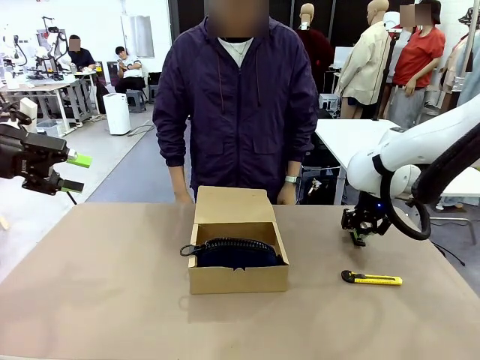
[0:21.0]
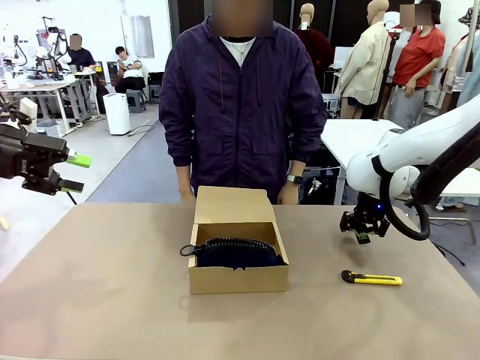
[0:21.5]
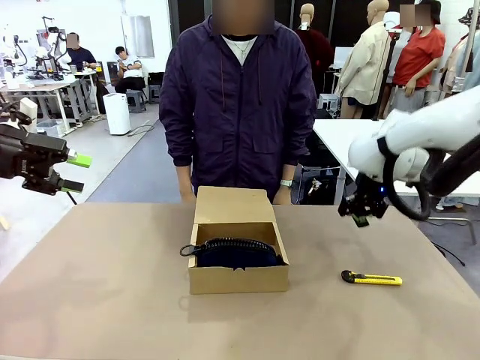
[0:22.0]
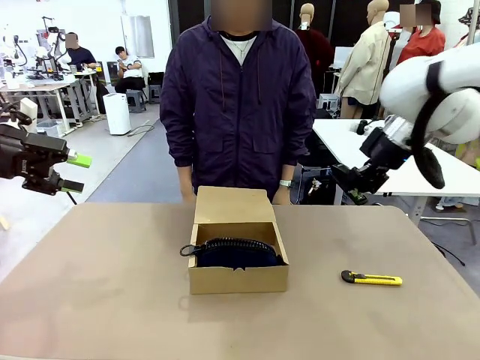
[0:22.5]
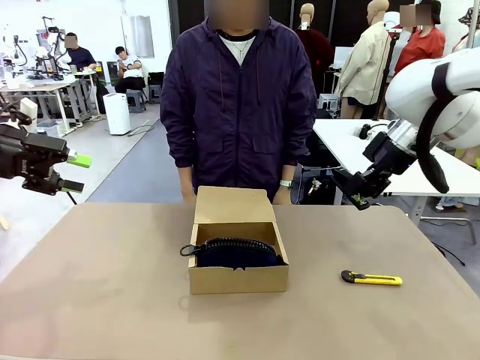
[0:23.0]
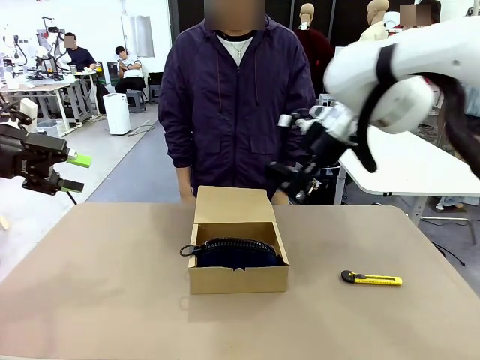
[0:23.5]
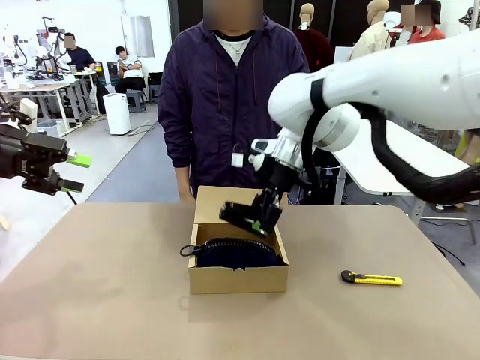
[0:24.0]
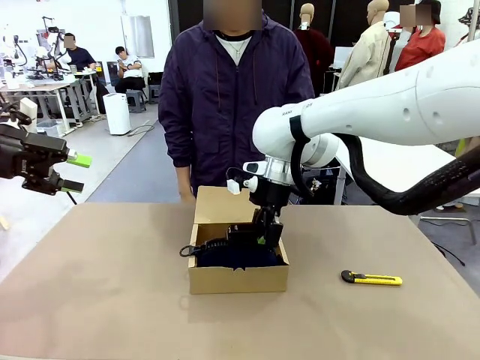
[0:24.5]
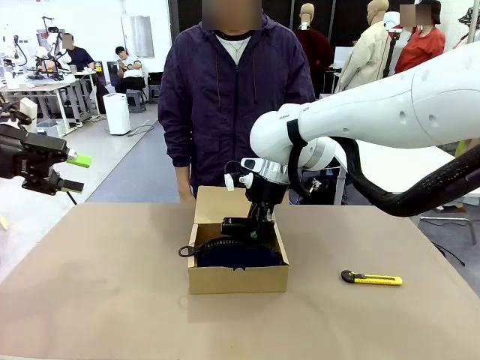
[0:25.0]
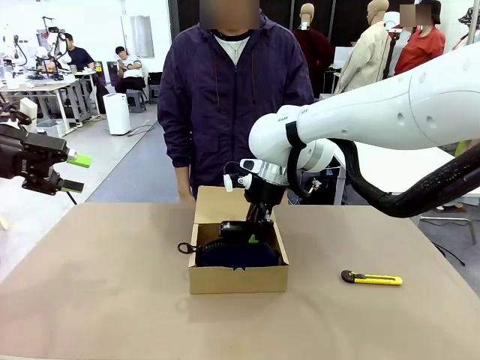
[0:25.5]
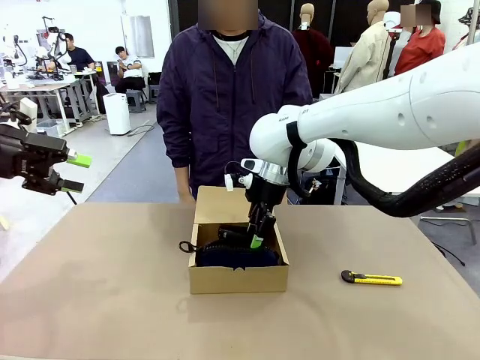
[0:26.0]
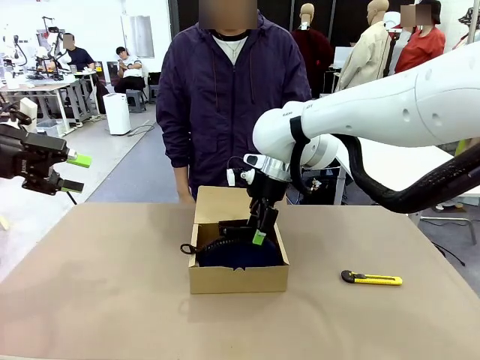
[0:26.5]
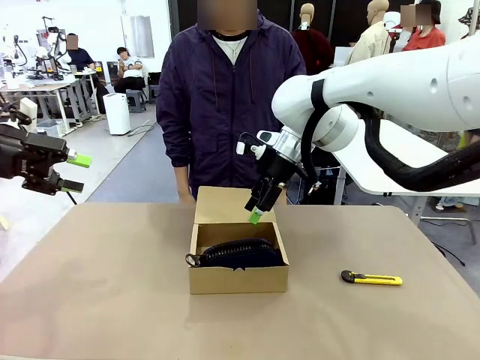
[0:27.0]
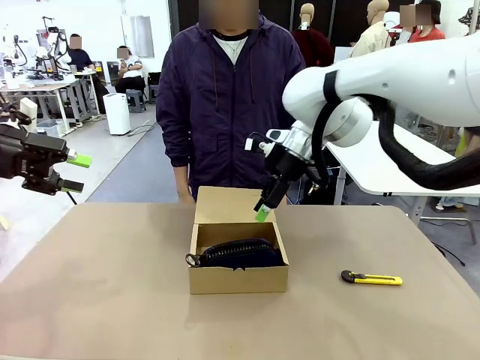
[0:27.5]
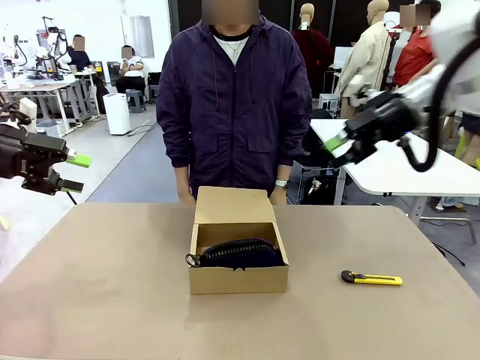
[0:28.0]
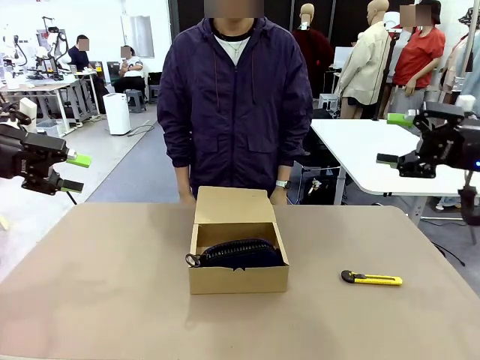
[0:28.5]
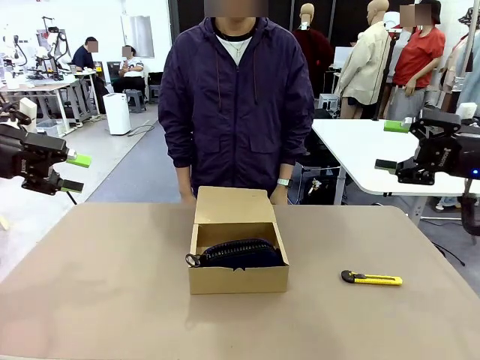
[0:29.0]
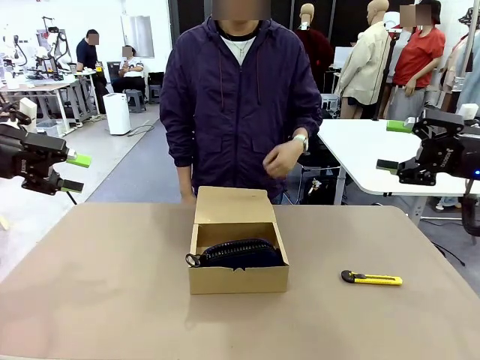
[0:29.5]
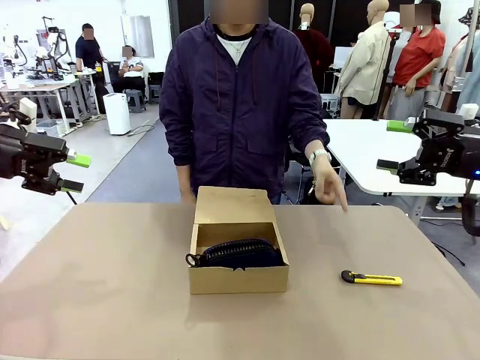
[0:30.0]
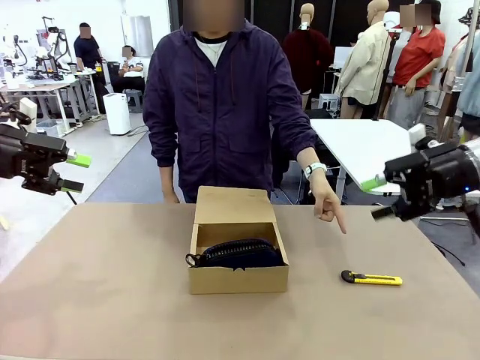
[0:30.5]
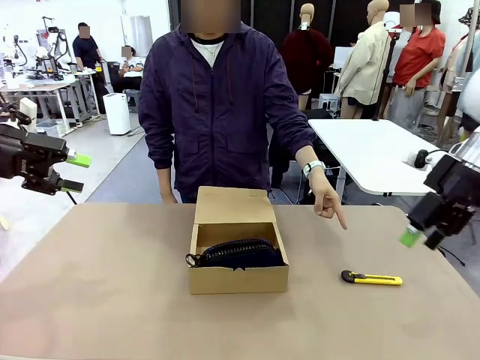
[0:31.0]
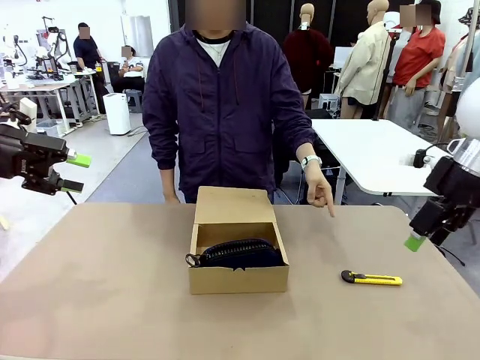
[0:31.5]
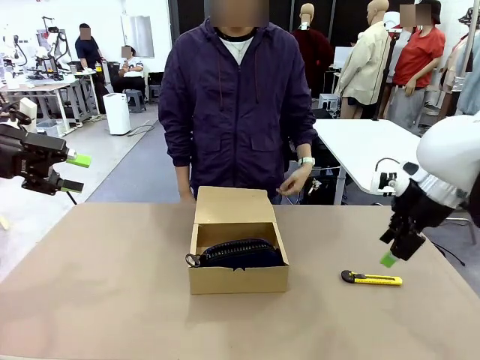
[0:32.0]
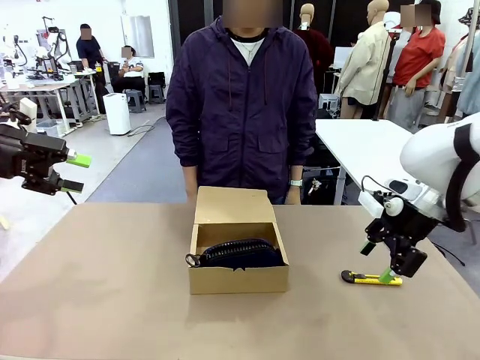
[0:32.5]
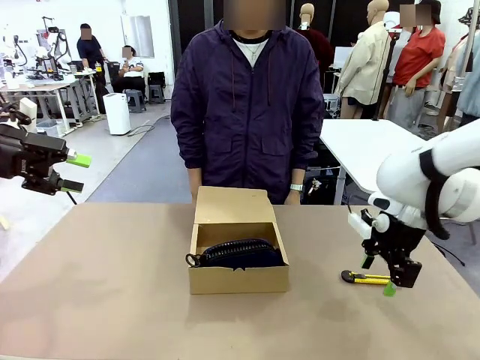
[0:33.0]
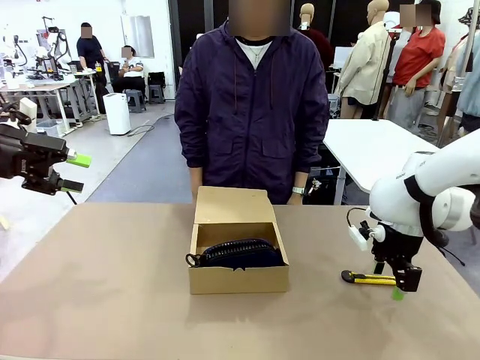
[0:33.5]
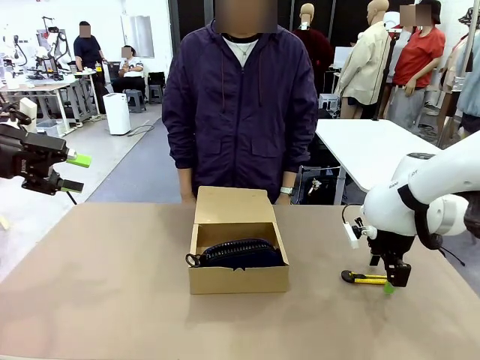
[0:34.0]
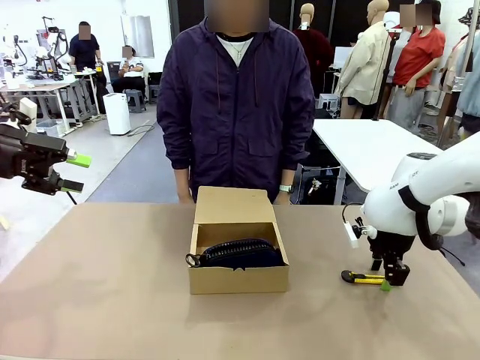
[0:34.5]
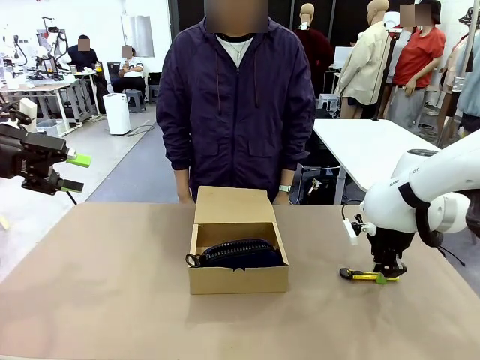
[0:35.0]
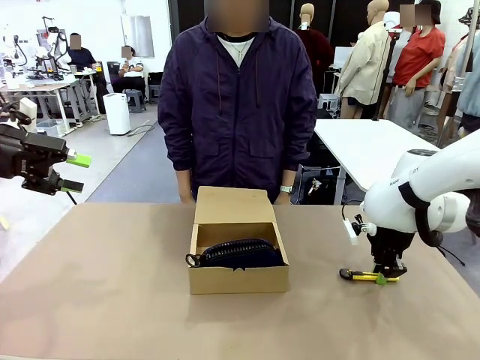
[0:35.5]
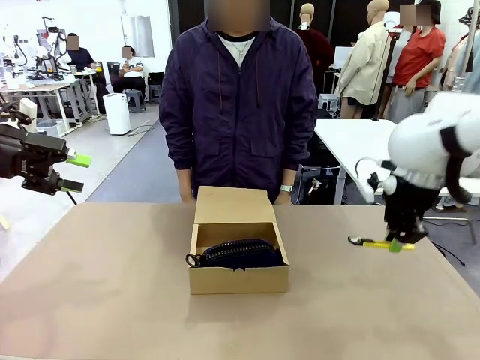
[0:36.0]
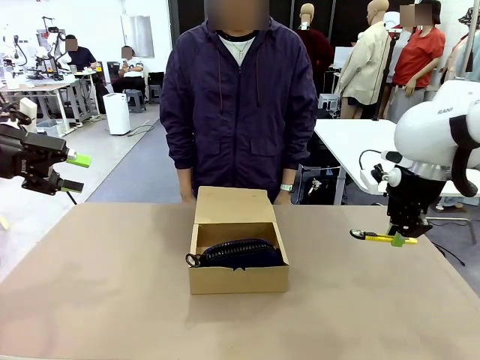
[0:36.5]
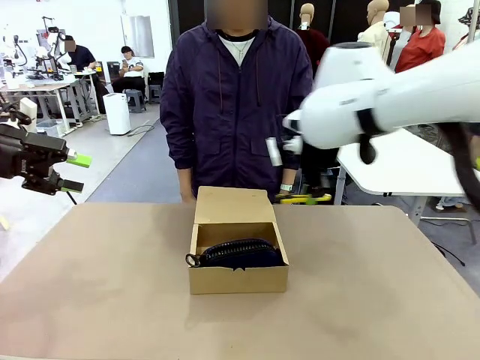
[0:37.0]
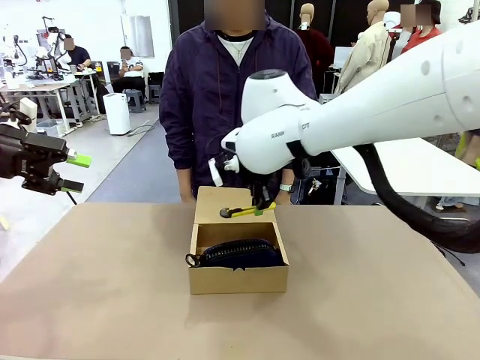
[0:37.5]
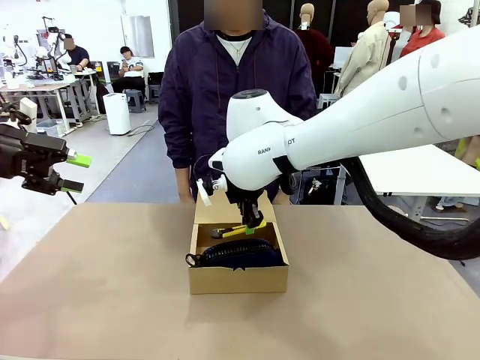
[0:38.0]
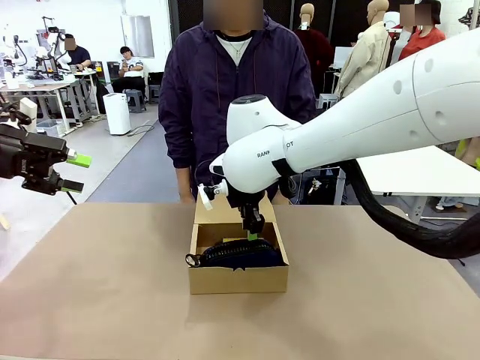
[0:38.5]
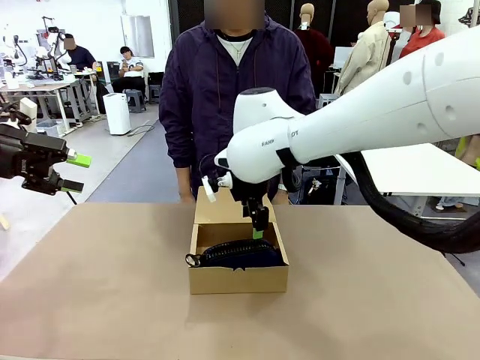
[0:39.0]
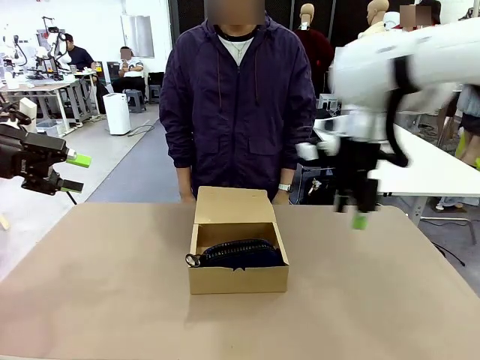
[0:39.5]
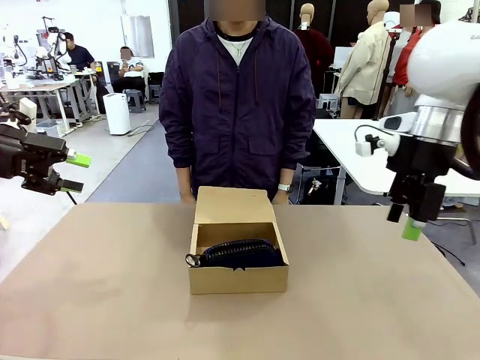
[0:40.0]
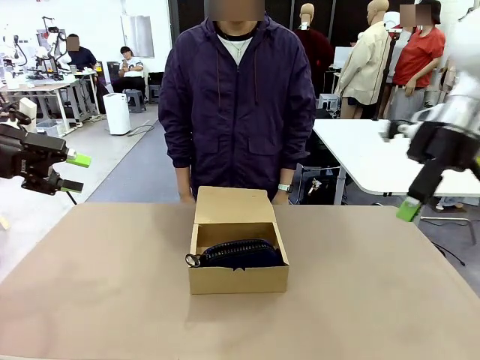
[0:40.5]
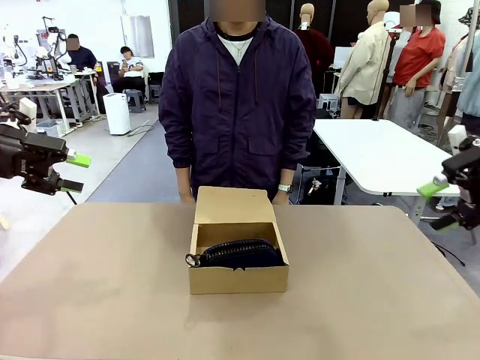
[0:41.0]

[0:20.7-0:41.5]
Task: Pack the items into the box.
Robot: Pick up the item indicated by the person and place it inside the Mailer Box.
Person: Lower both hands vertically with palms facing downward, as if pressing something closed.

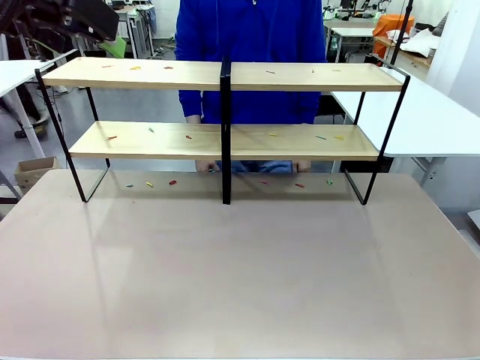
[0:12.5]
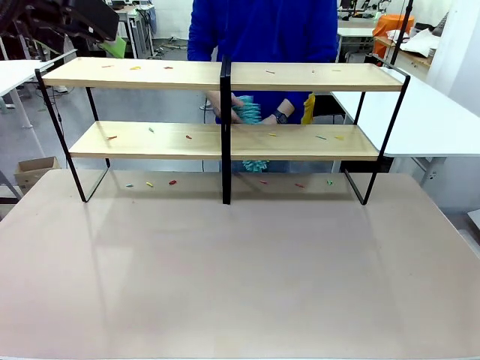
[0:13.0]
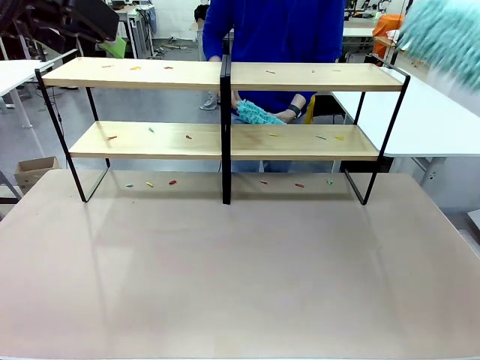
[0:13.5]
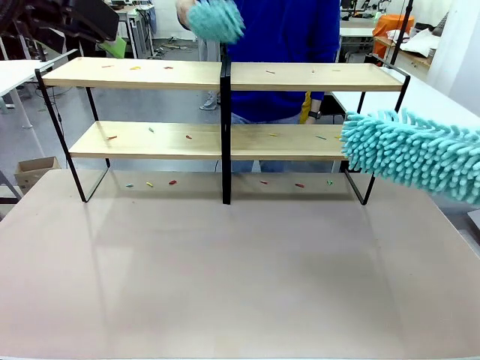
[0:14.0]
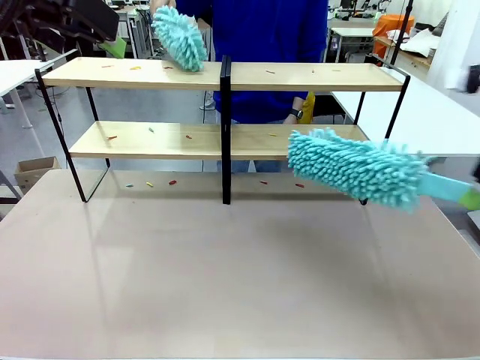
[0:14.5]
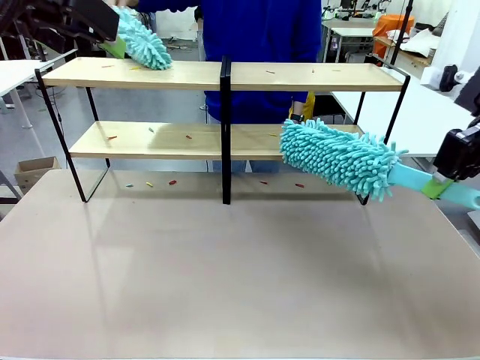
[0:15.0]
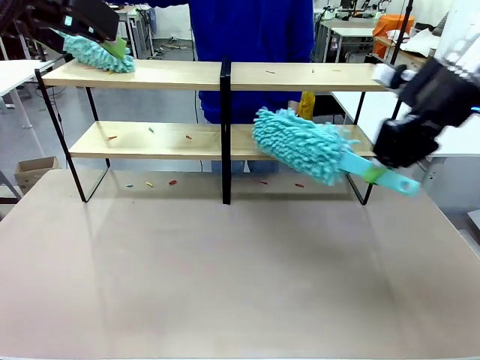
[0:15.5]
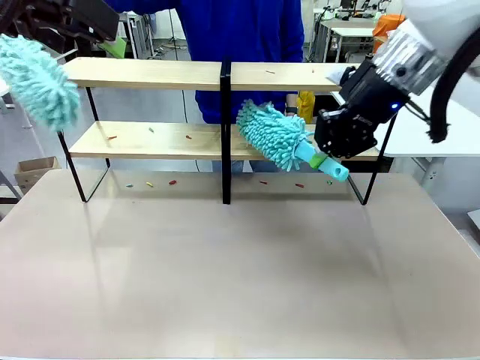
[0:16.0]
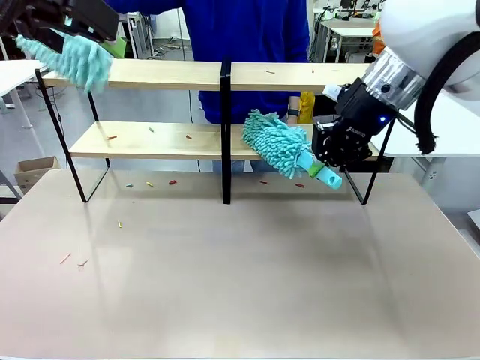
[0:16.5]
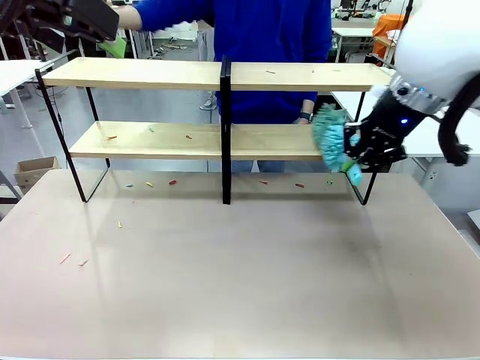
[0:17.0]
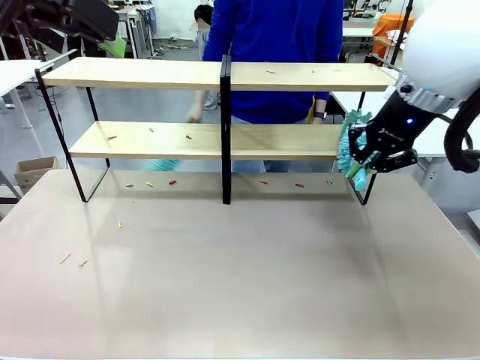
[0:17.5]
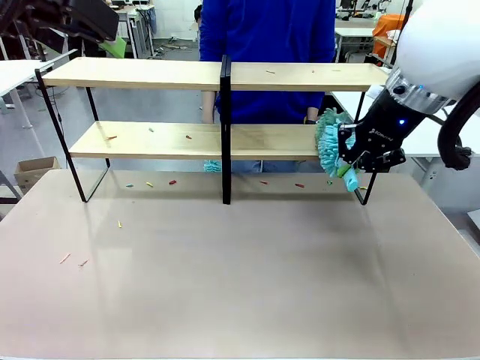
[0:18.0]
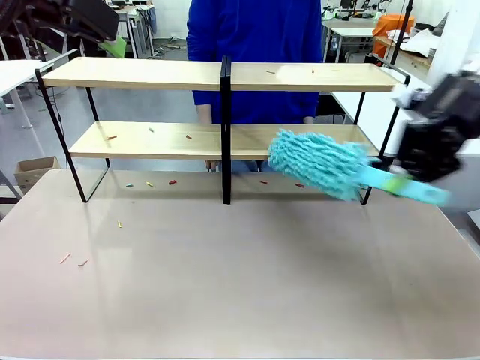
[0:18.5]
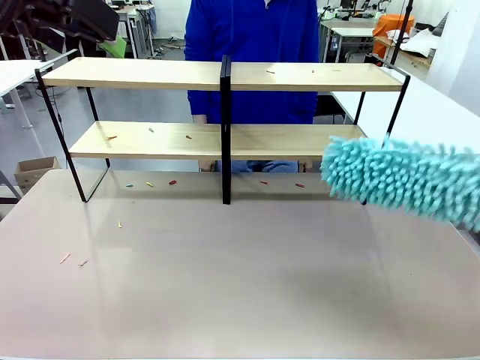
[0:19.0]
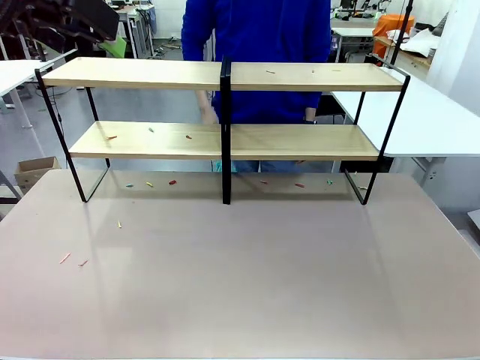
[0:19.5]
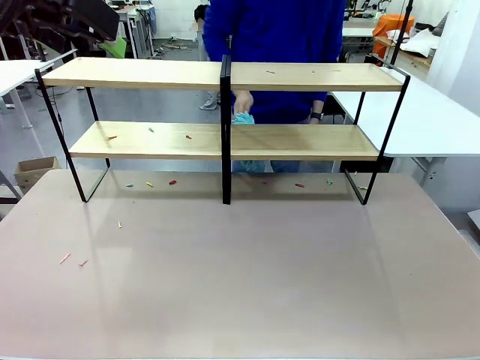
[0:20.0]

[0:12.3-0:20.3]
Task: Clean the shelves.
Robot: Clean a randomly selected level of the Shelf with the Duster.
